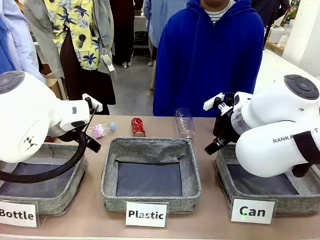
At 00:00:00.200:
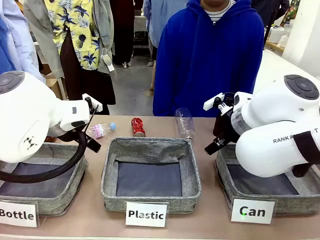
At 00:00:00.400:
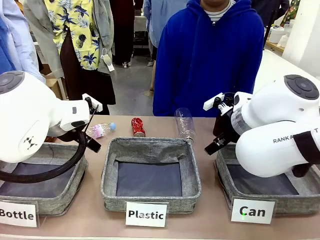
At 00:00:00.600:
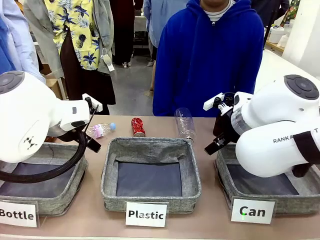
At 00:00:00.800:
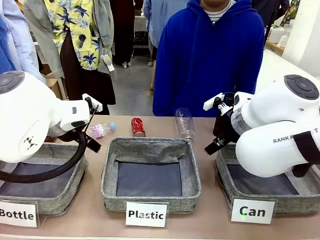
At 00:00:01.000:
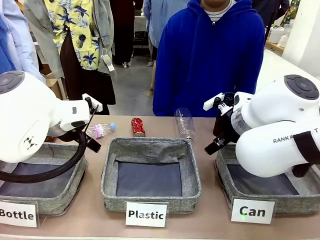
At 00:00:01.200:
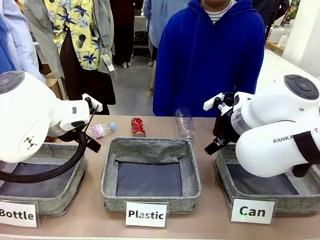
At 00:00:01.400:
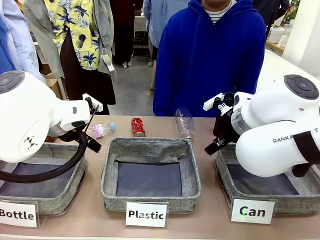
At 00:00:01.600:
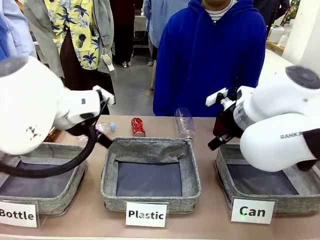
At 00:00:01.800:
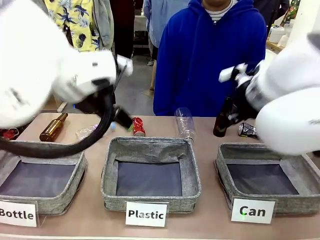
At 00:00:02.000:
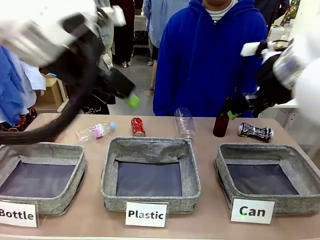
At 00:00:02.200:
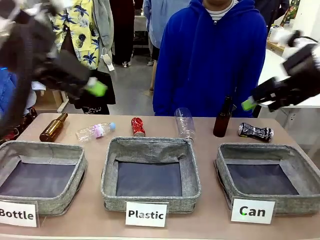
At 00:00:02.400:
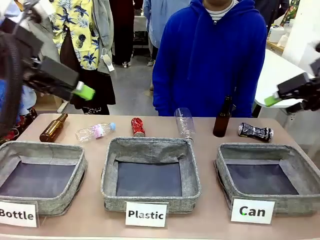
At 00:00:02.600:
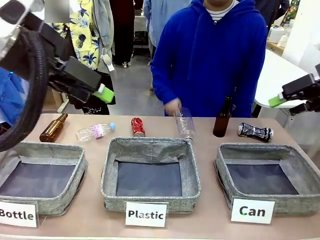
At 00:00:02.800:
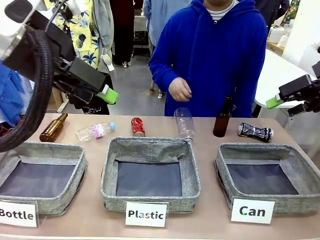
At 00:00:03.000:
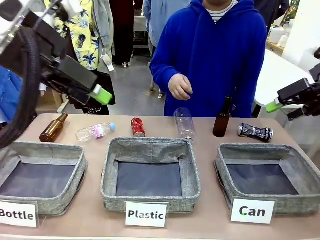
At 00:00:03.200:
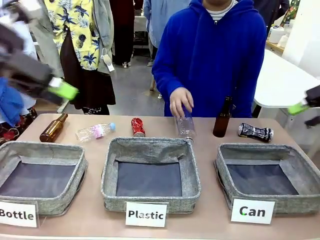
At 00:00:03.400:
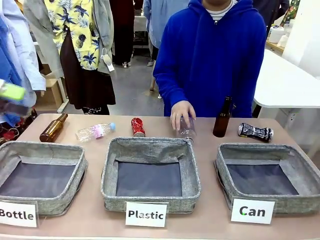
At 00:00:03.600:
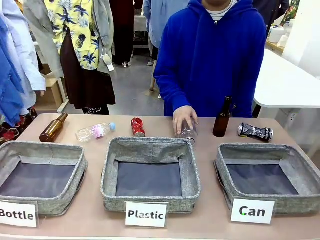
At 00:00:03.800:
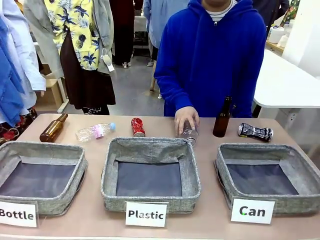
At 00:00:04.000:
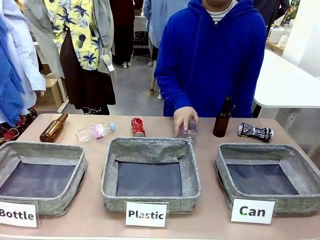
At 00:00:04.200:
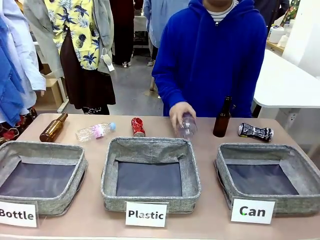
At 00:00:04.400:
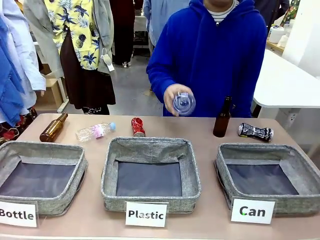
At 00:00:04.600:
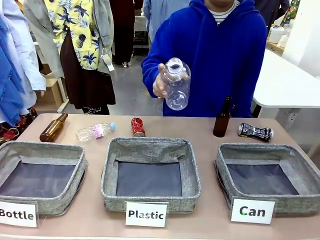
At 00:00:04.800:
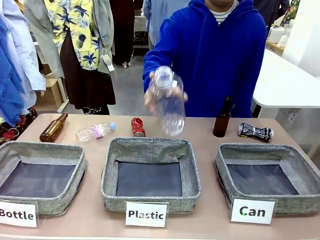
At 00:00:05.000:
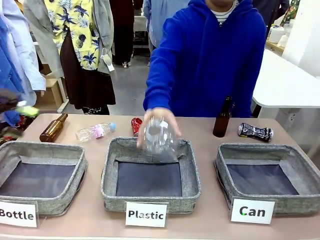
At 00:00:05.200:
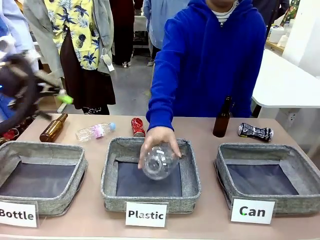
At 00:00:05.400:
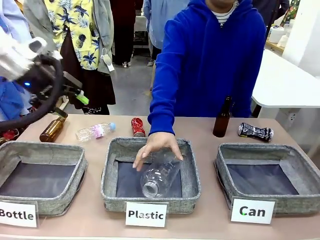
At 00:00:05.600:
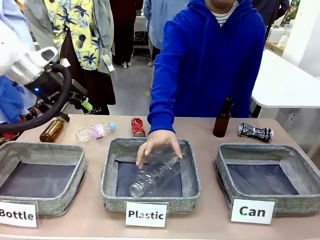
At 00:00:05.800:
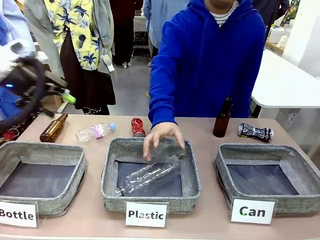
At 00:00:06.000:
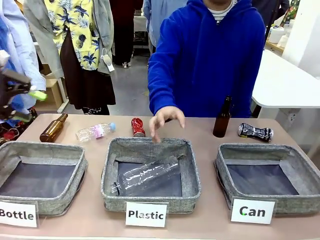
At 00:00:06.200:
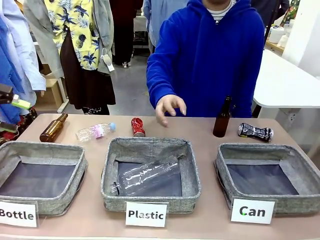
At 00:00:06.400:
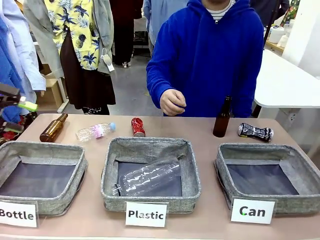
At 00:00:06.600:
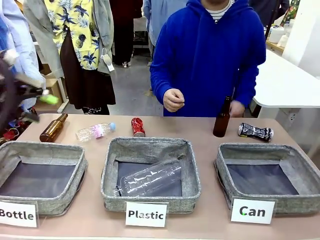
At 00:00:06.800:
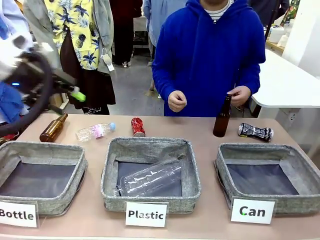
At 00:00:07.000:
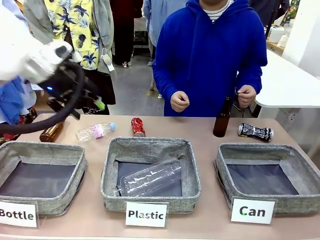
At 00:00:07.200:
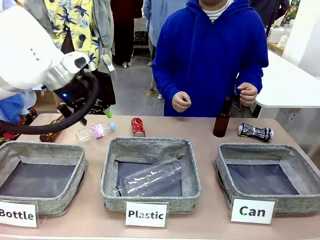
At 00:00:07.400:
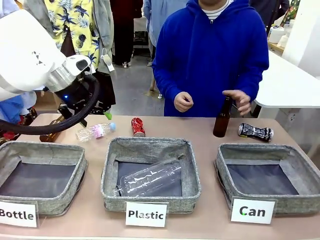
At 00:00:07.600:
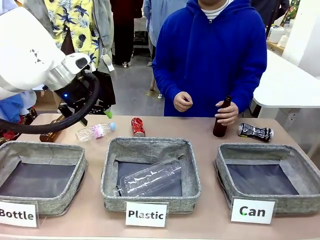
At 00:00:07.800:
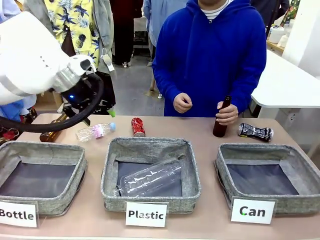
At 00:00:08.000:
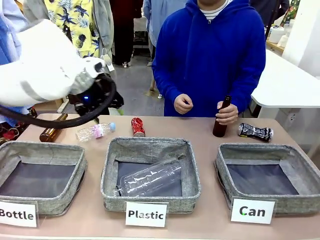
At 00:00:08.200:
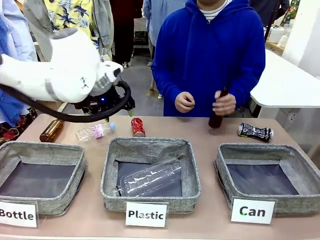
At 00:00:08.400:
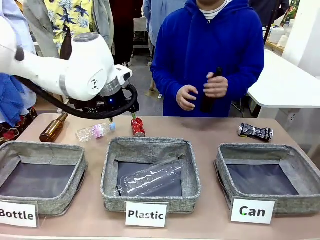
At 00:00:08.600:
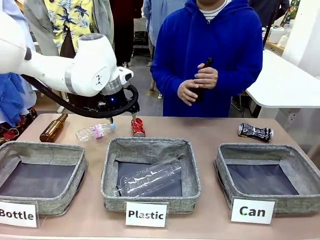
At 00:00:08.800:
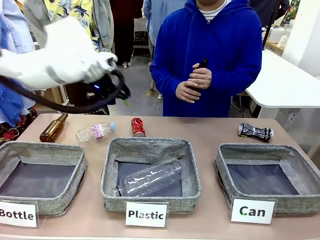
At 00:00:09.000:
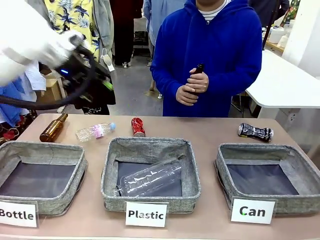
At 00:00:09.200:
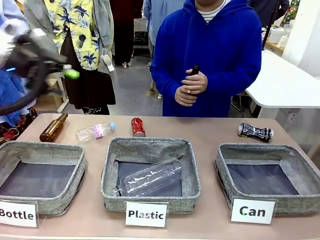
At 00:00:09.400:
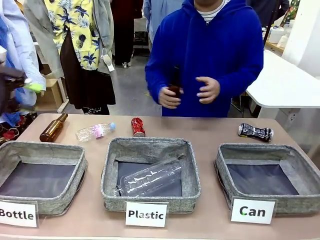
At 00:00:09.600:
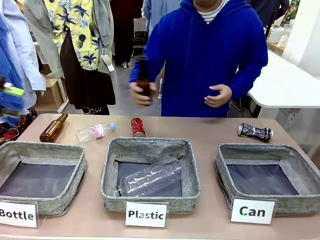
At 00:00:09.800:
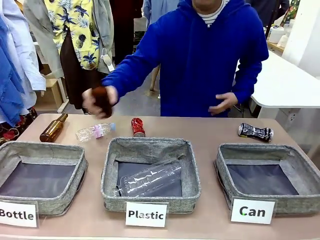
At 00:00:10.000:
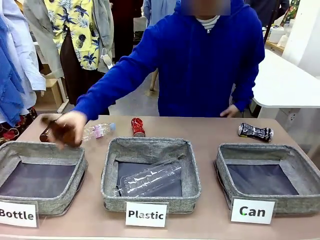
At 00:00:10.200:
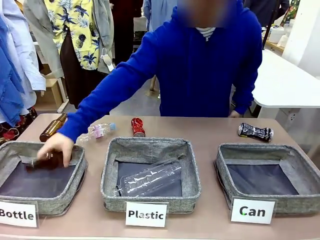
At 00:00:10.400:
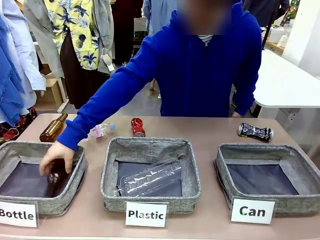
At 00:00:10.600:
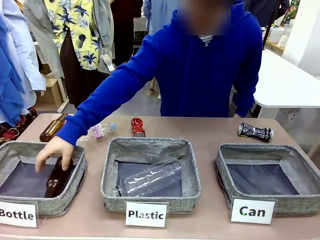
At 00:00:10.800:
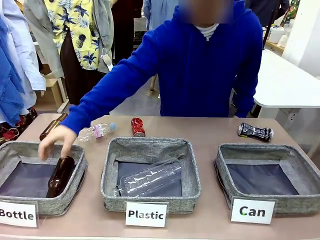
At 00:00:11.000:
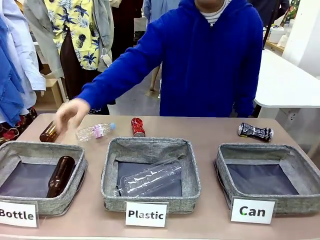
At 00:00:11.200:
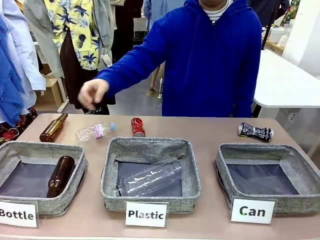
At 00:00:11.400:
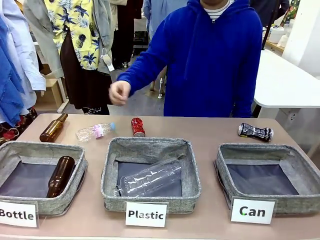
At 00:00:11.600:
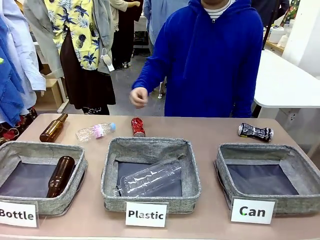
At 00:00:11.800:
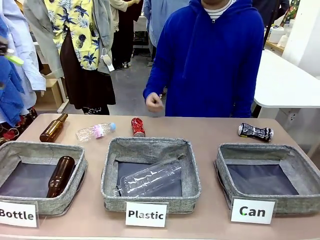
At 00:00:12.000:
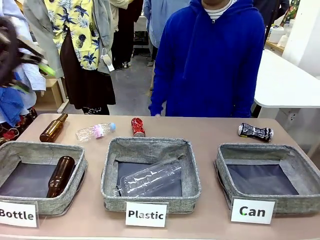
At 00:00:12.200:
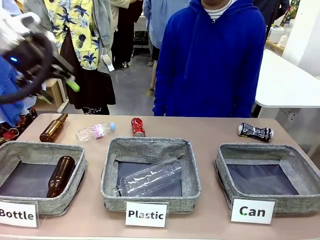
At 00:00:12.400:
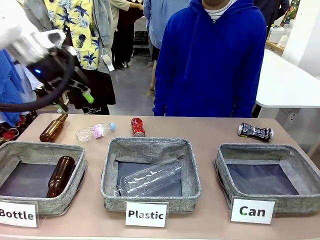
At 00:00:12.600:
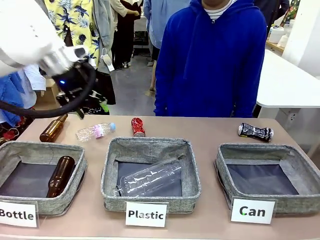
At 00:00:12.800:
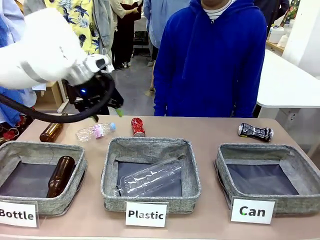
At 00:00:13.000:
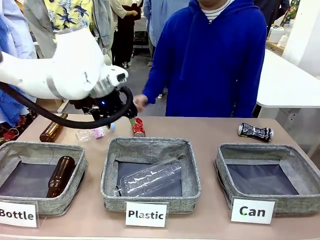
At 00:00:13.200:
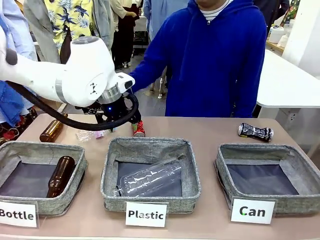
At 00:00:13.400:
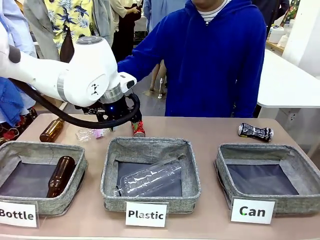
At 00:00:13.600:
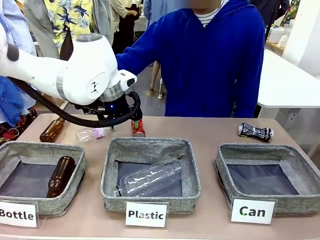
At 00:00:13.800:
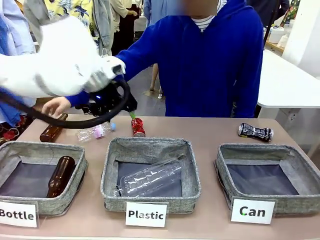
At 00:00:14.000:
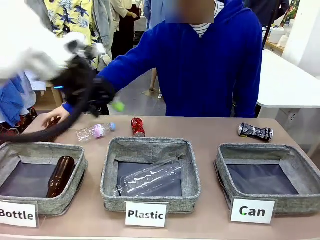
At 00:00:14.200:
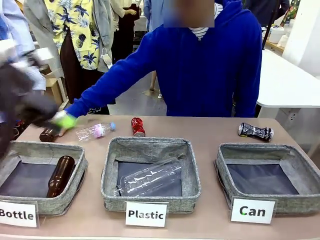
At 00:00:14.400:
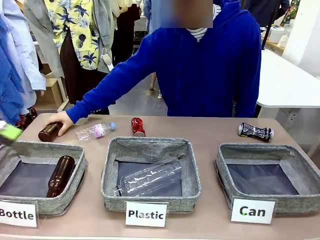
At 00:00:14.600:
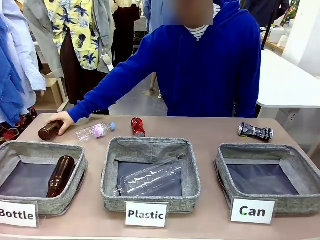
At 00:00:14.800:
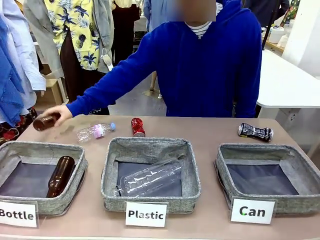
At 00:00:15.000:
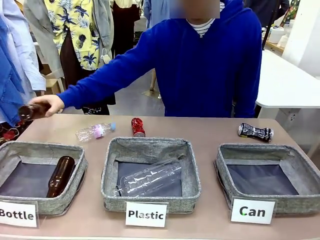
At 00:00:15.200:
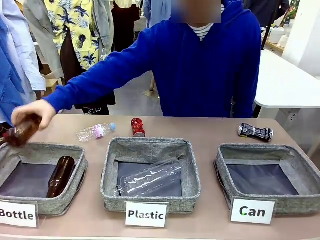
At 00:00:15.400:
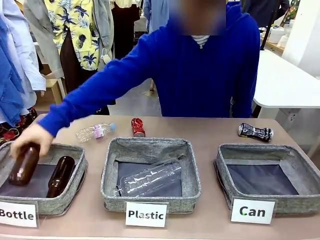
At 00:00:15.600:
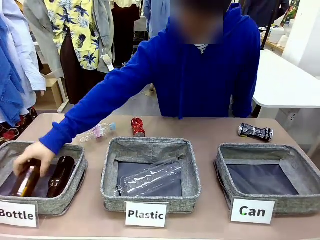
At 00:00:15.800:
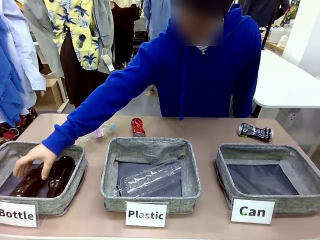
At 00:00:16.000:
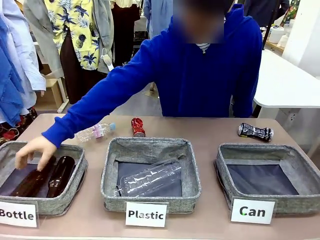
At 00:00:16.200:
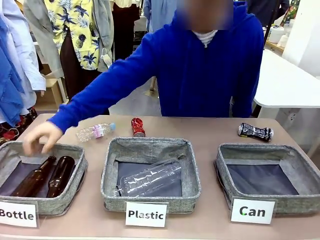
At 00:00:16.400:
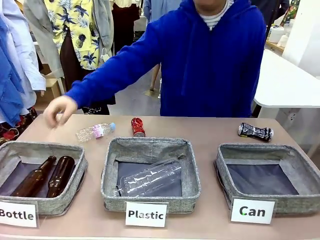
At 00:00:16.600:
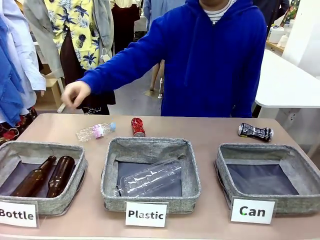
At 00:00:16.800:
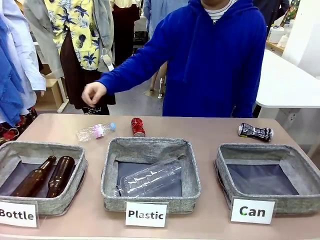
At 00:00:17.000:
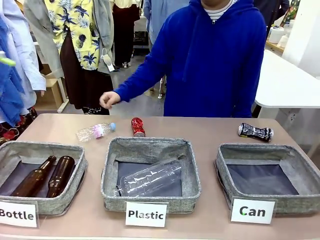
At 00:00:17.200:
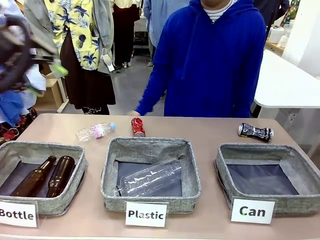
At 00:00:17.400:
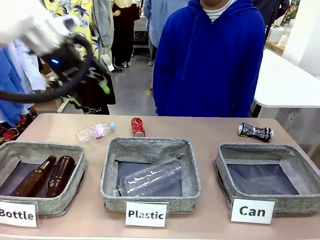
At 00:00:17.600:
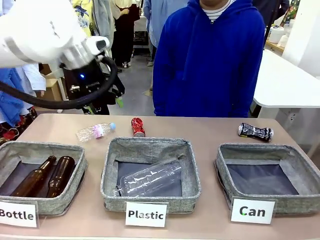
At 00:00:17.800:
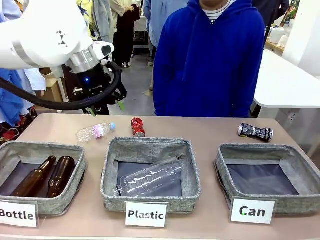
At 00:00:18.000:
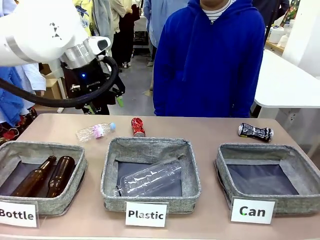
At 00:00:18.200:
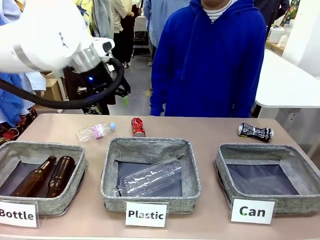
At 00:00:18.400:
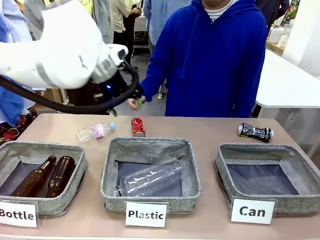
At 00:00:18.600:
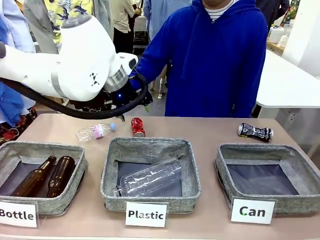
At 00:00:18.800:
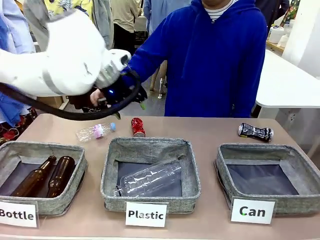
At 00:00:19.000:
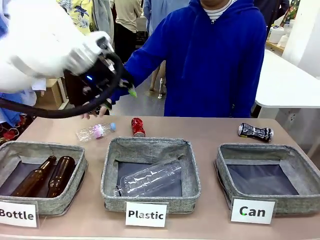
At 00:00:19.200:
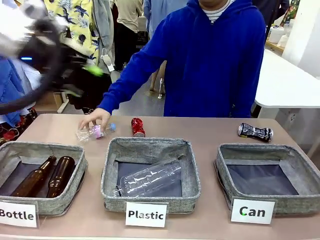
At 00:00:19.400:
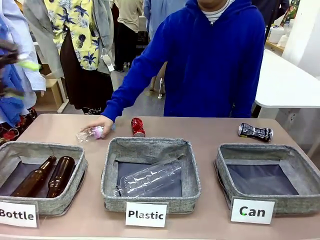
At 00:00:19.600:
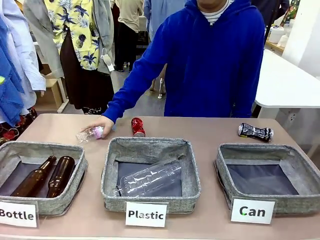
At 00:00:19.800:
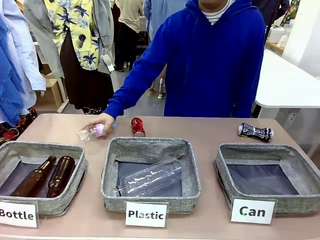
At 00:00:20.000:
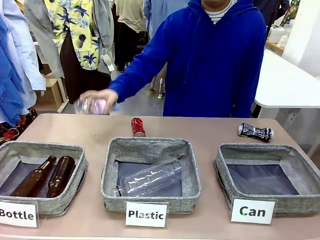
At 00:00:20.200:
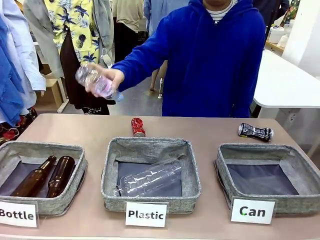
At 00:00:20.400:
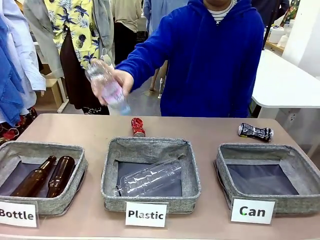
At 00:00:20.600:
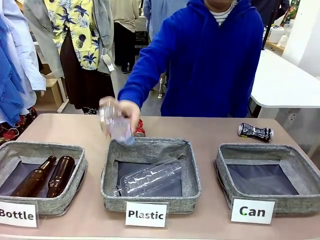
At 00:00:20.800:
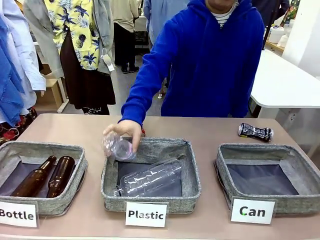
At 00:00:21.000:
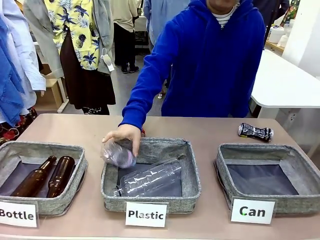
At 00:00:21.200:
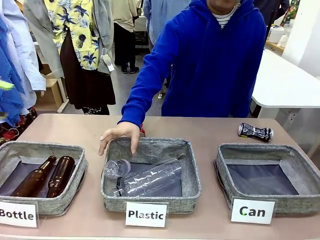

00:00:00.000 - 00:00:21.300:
Task: Sort the can waste into the basket.
Robot: Pick up the can waste from the table and place it in the right Fabric basket.
